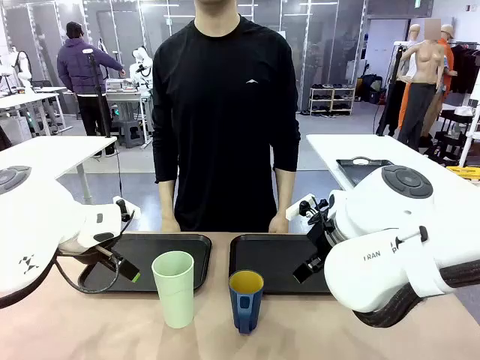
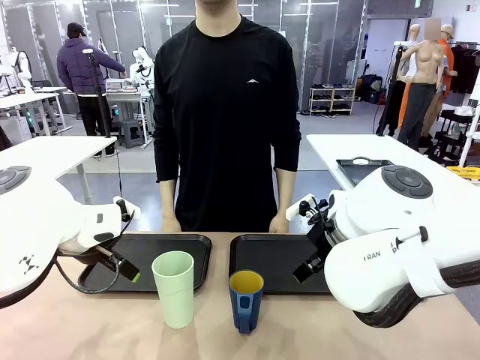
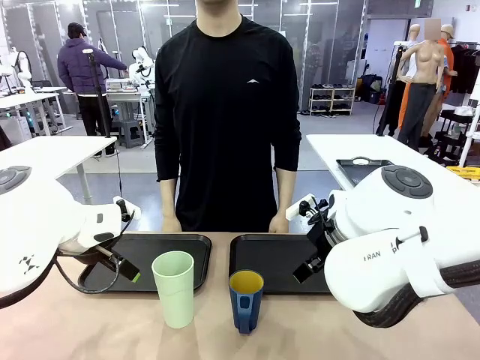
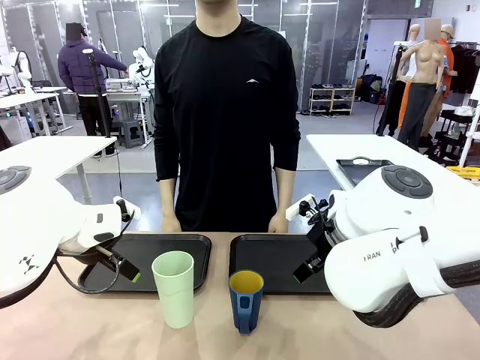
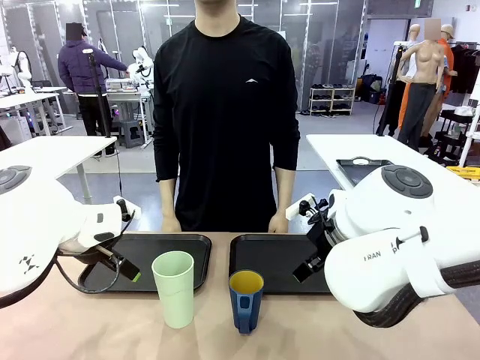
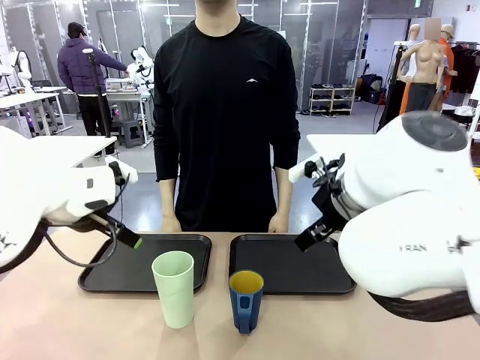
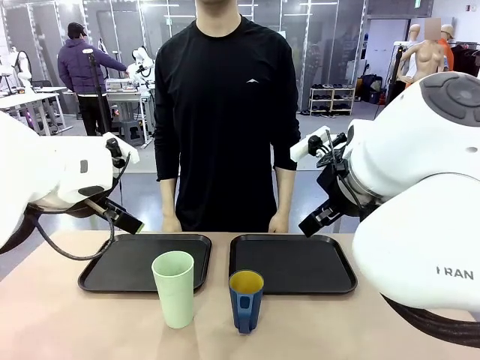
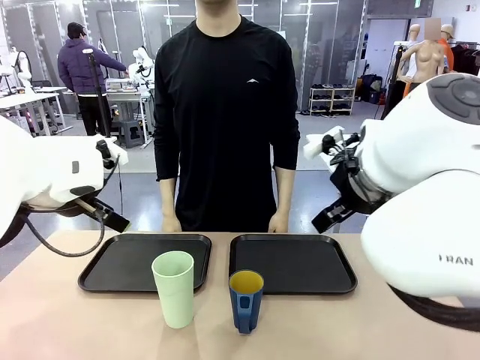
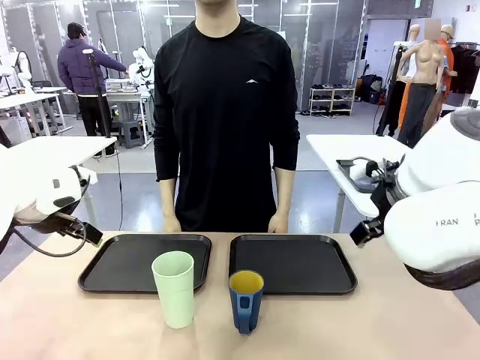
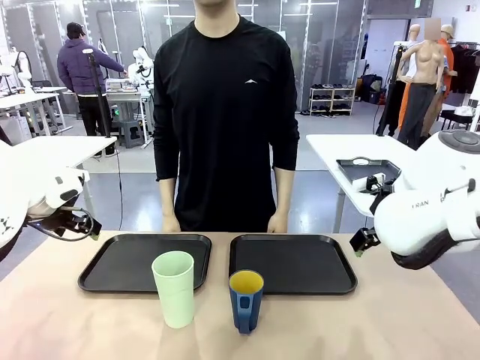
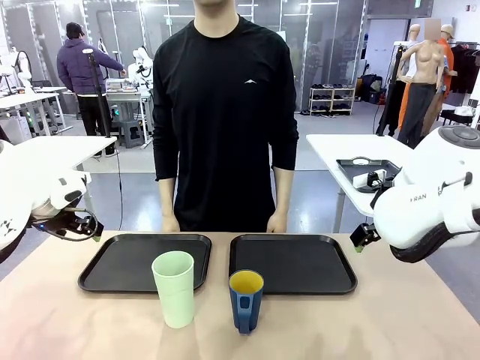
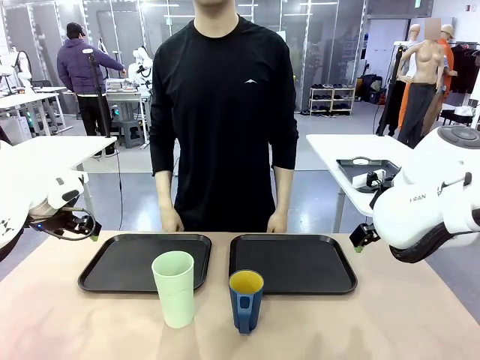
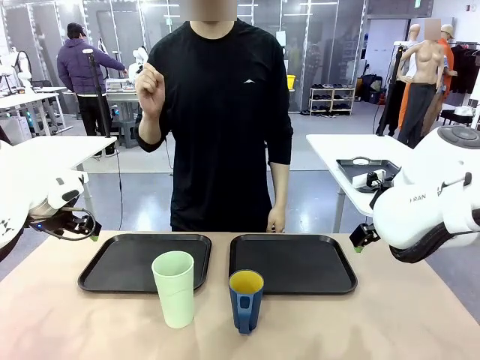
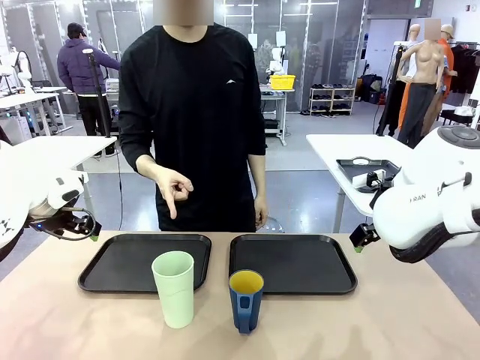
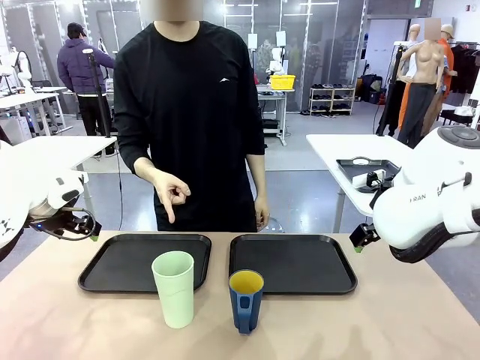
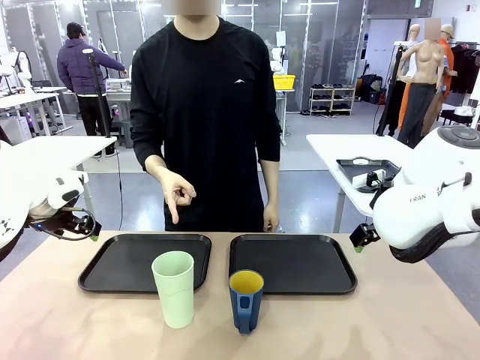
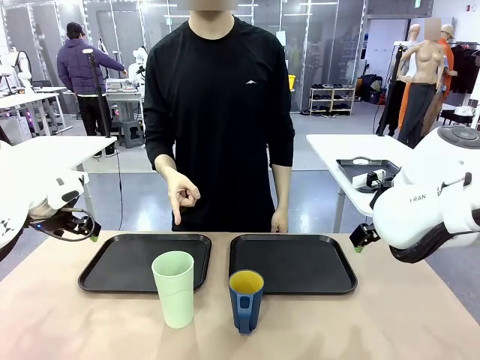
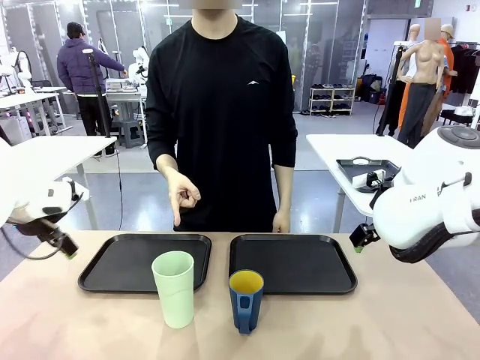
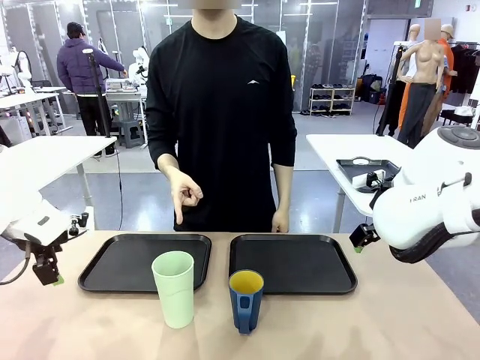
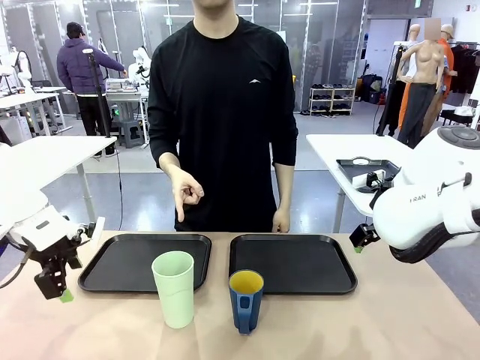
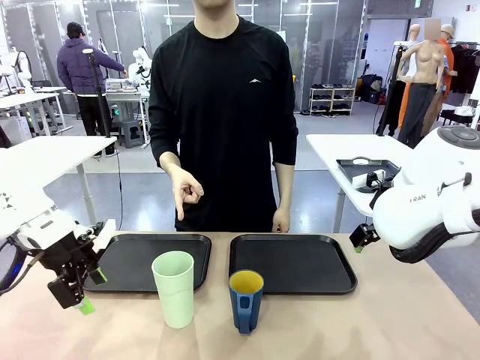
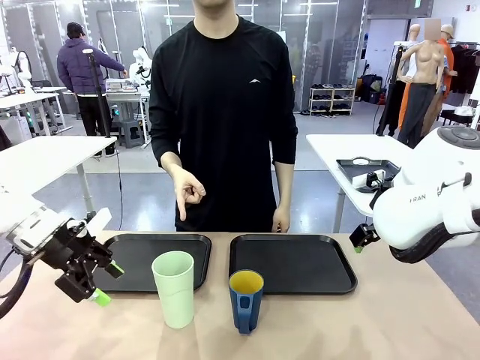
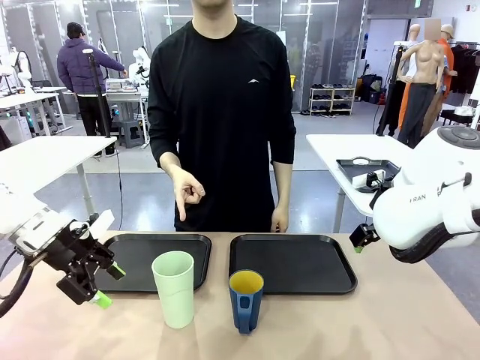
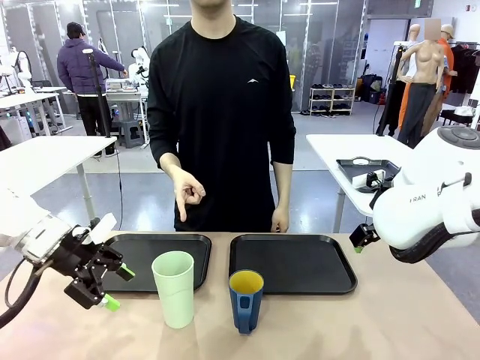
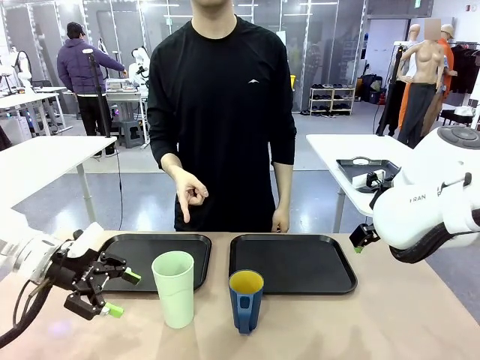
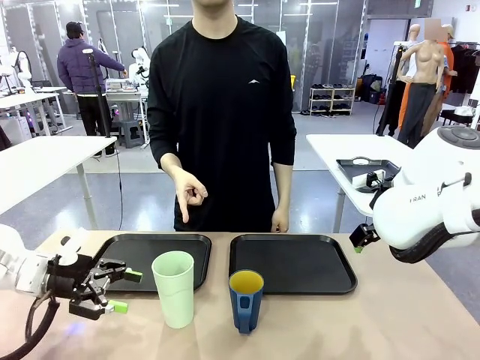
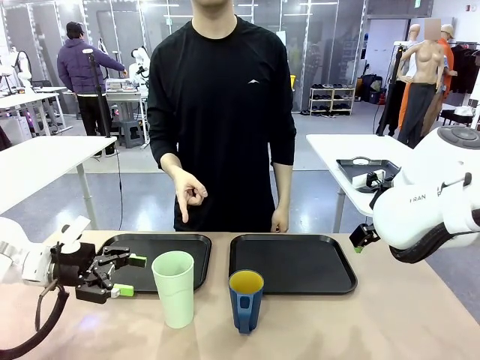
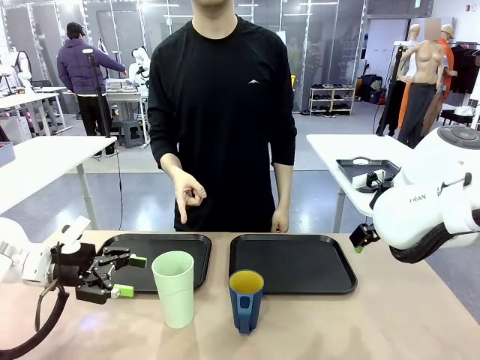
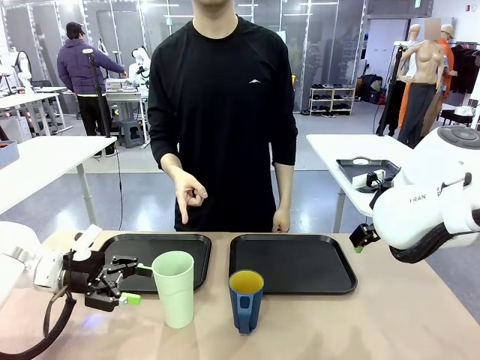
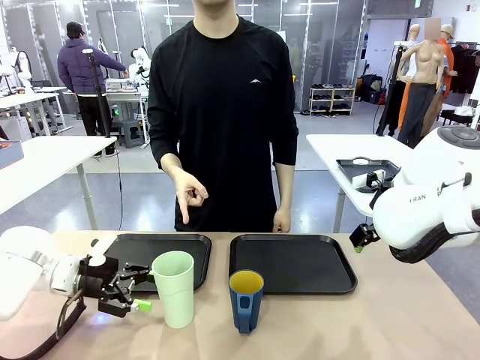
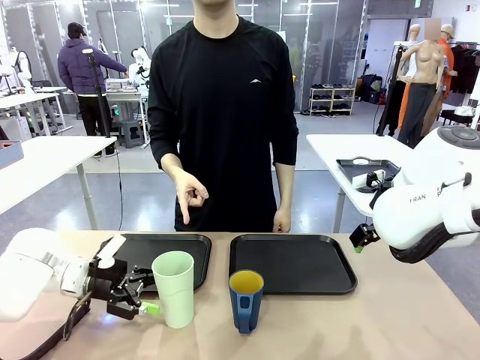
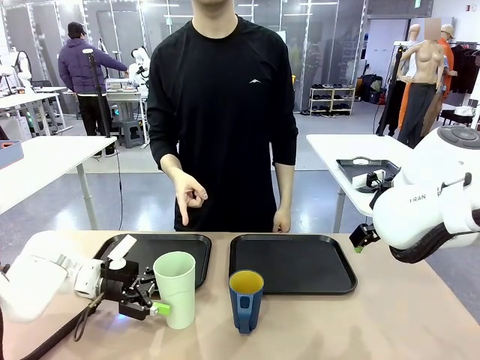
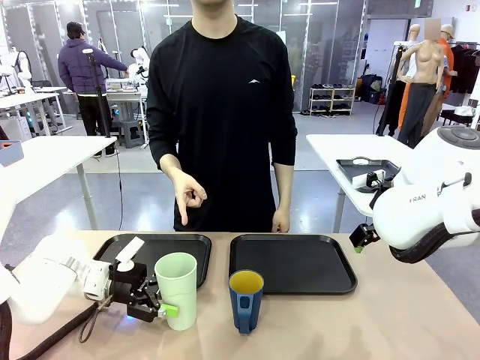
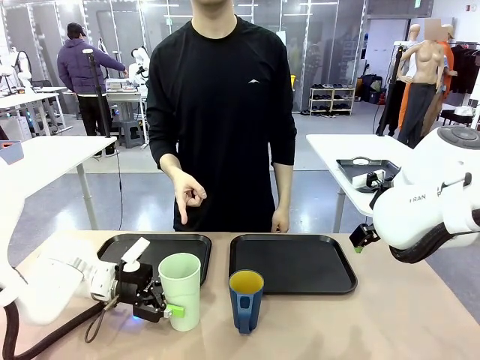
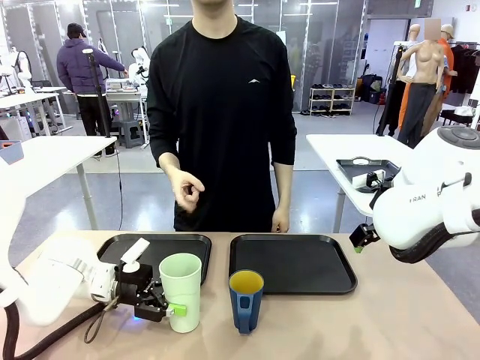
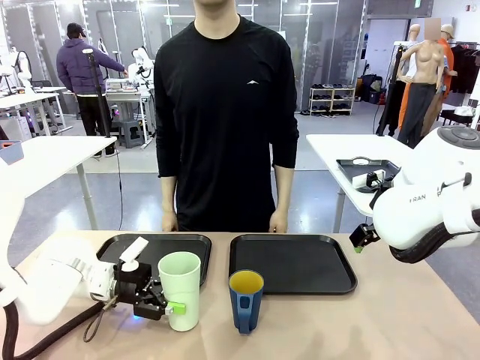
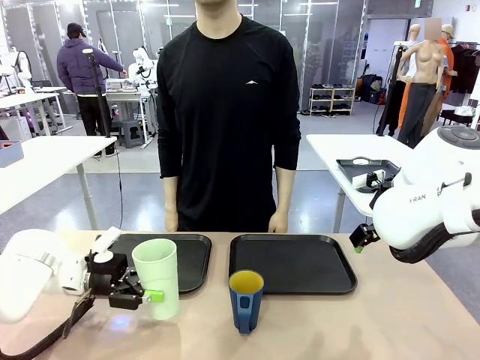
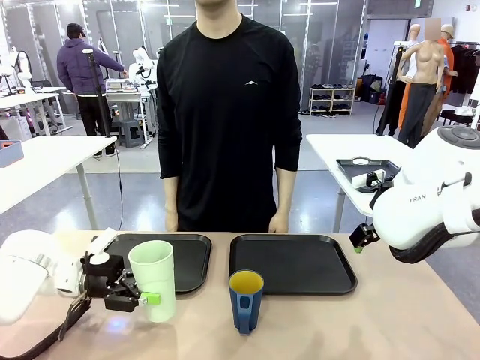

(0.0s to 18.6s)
Task: Sort and store the cups by type.
Robot: Pick up the Reusable plastic cup.
Person: Points to the reusable cup. Point to one of the two trays.

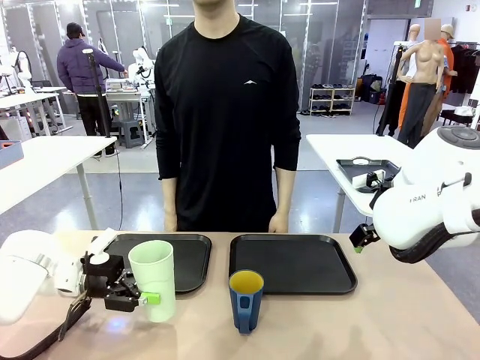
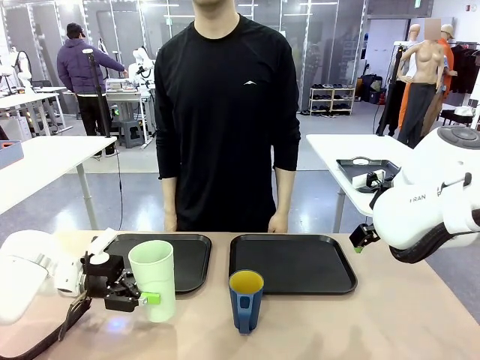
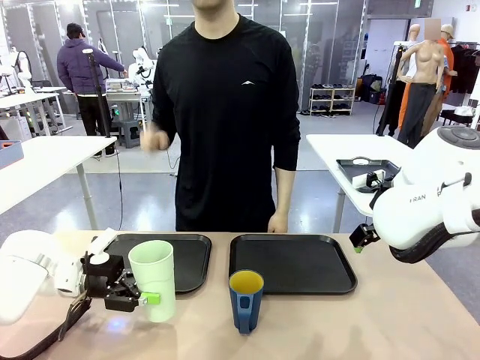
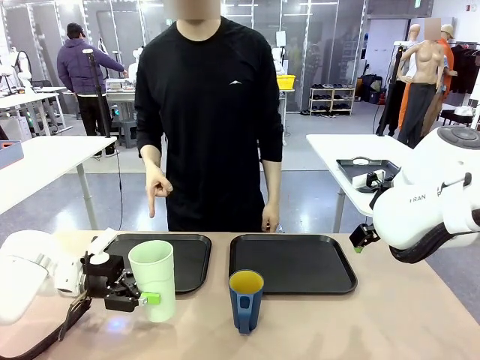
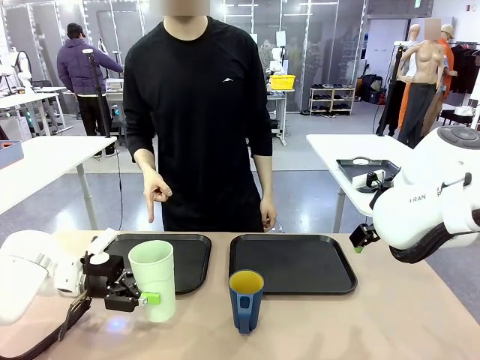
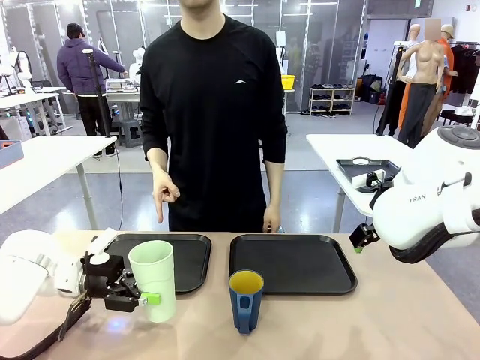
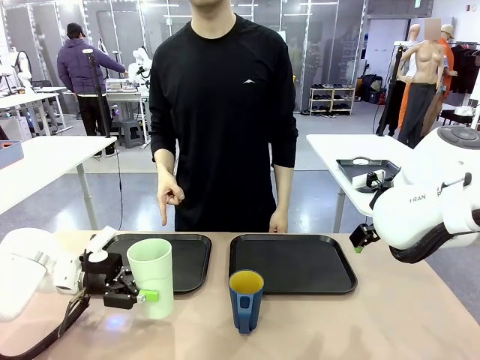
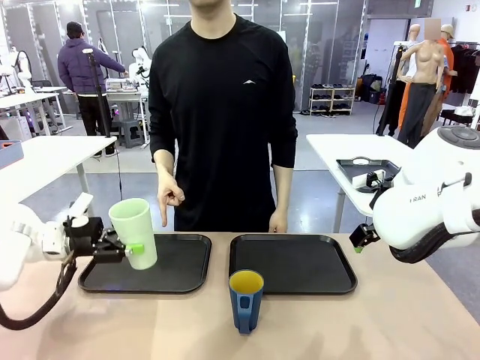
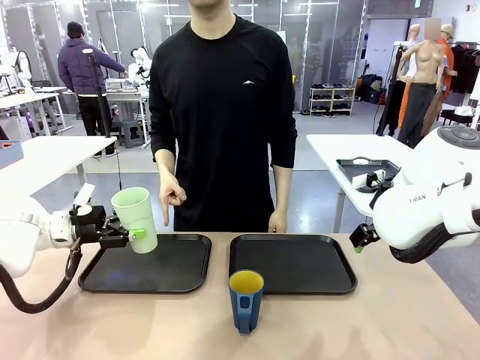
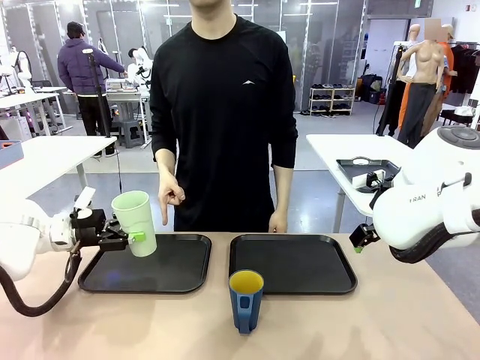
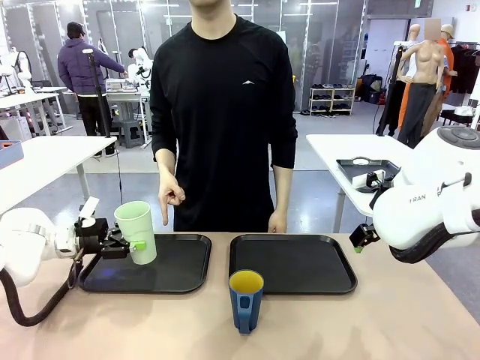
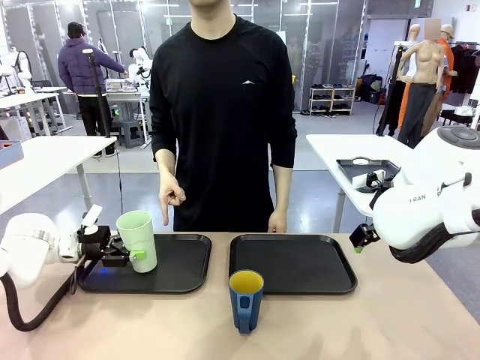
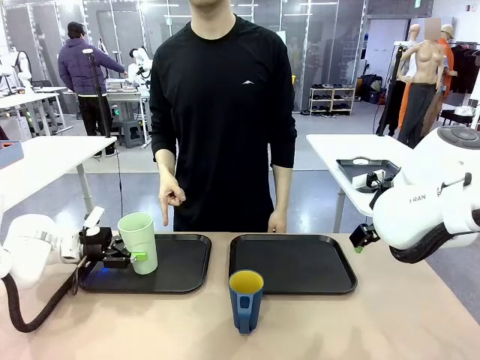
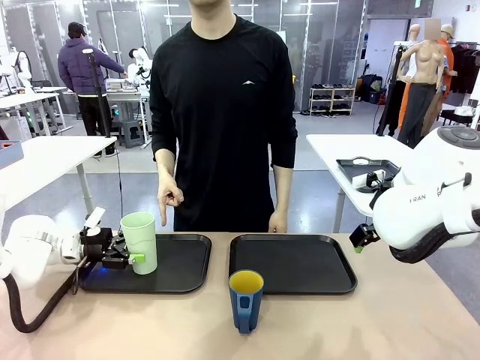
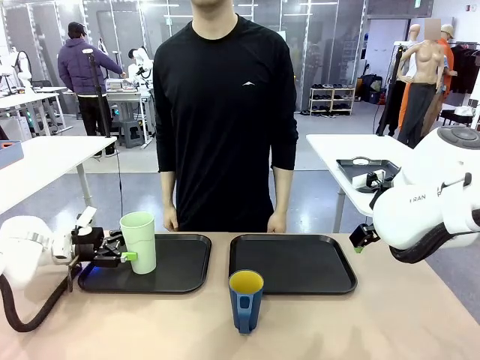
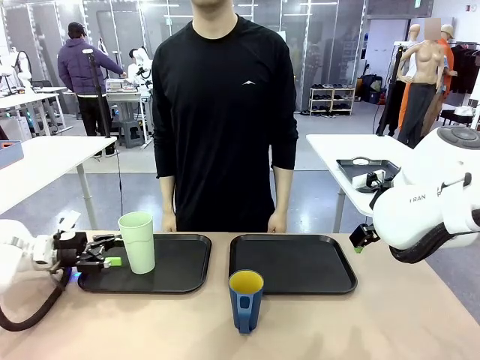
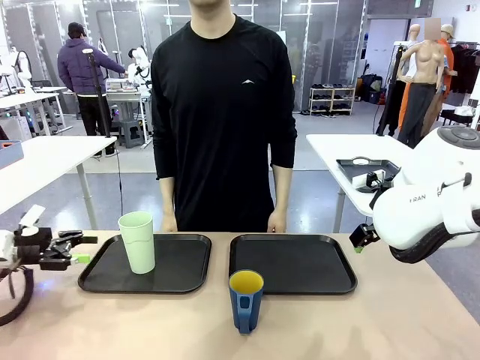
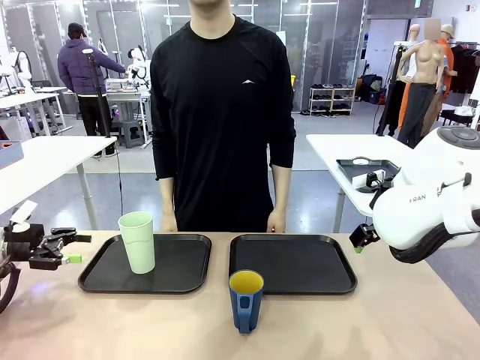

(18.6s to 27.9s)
Robot: Place the picked Reusable plastic cup into the Flat Tray indicated by the person.
